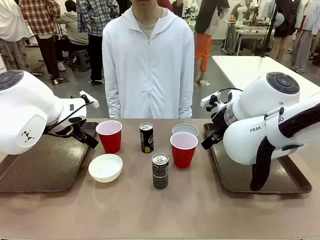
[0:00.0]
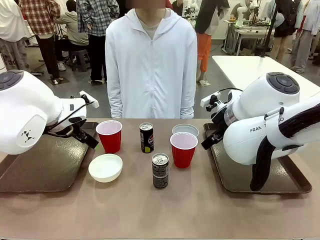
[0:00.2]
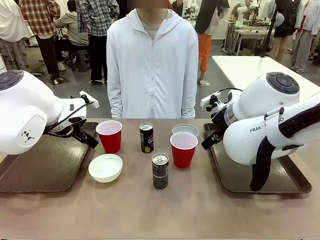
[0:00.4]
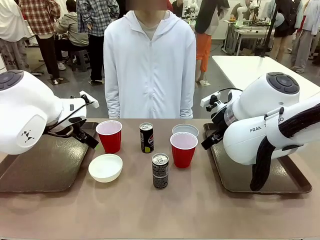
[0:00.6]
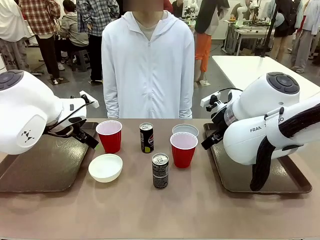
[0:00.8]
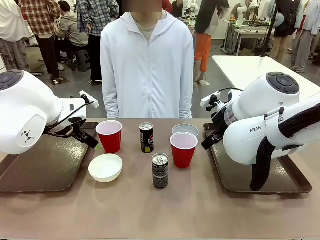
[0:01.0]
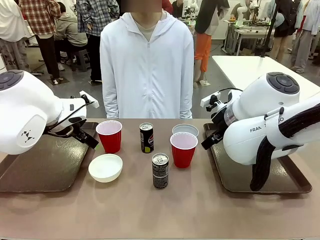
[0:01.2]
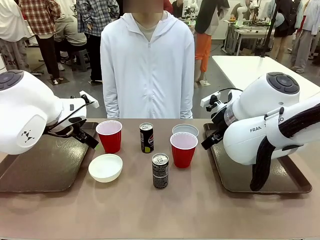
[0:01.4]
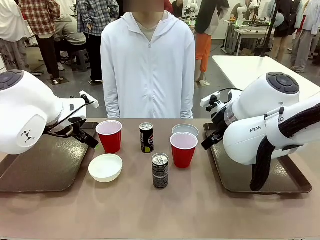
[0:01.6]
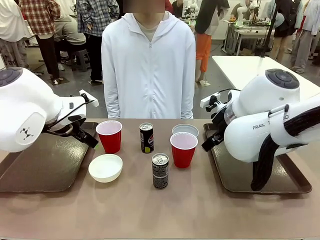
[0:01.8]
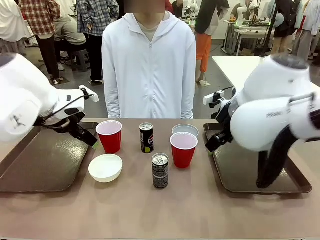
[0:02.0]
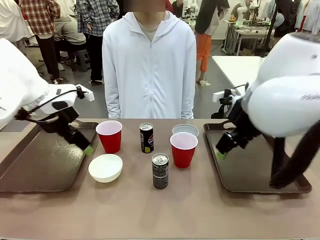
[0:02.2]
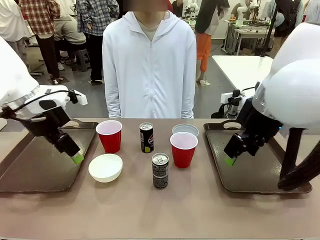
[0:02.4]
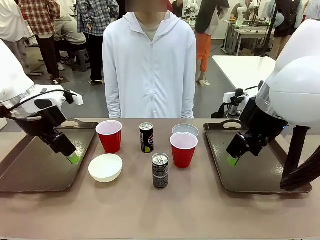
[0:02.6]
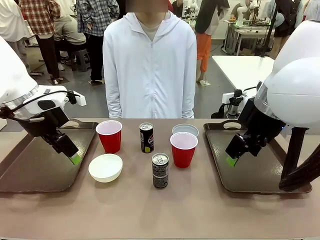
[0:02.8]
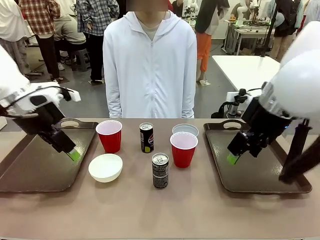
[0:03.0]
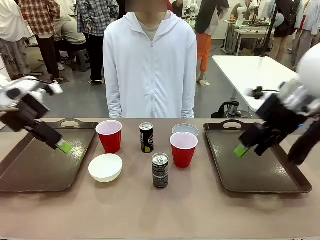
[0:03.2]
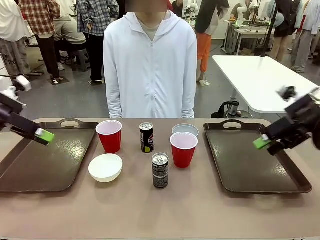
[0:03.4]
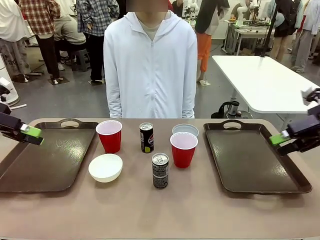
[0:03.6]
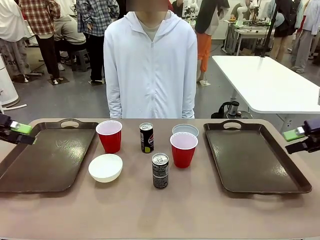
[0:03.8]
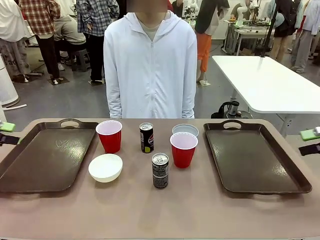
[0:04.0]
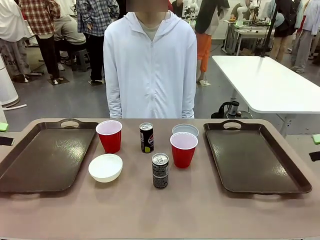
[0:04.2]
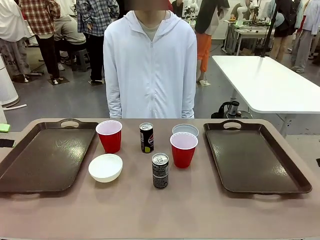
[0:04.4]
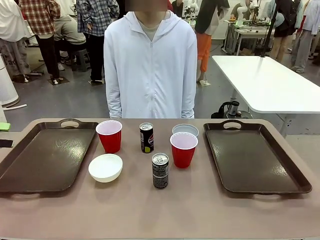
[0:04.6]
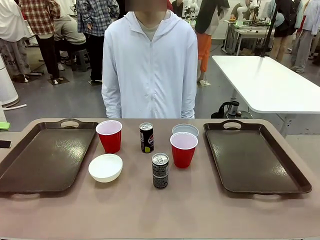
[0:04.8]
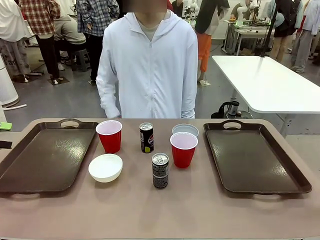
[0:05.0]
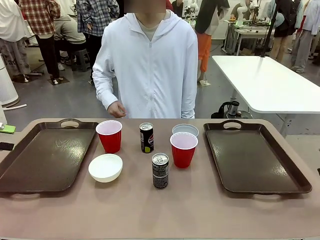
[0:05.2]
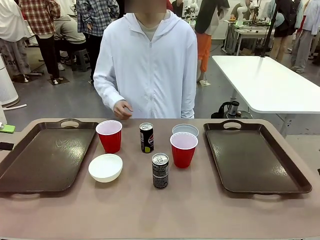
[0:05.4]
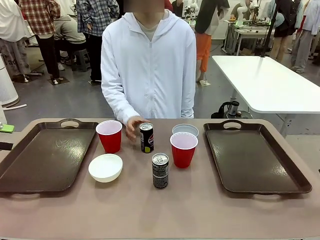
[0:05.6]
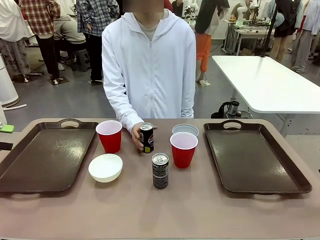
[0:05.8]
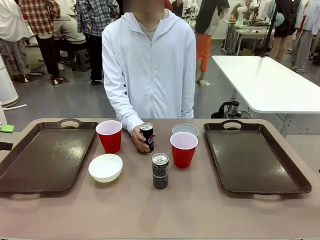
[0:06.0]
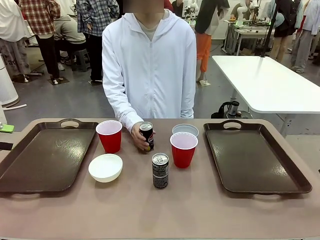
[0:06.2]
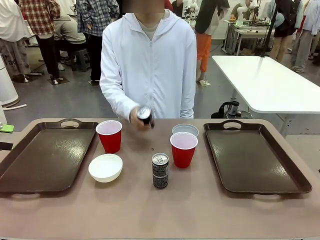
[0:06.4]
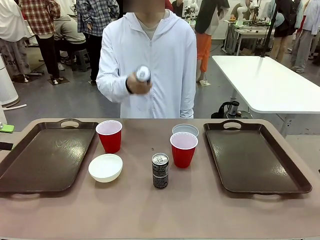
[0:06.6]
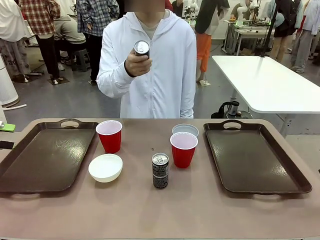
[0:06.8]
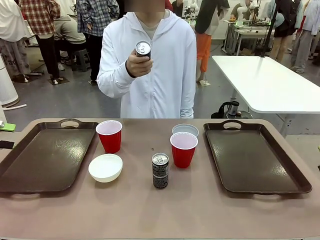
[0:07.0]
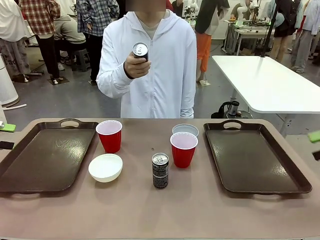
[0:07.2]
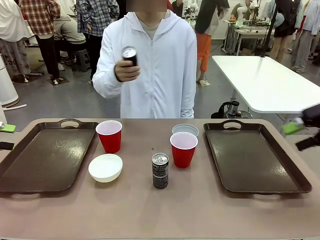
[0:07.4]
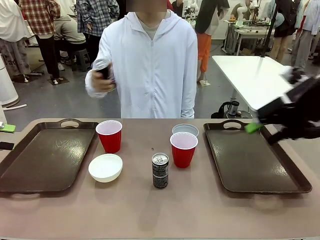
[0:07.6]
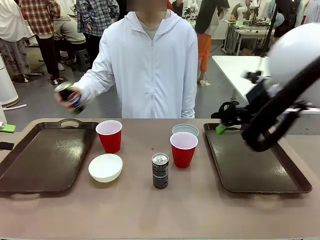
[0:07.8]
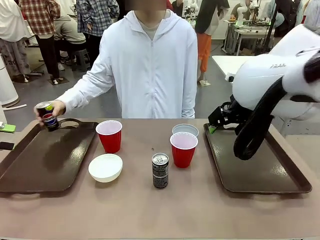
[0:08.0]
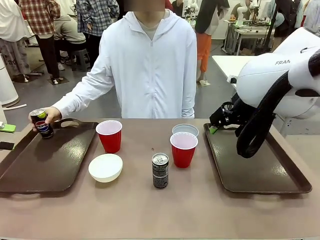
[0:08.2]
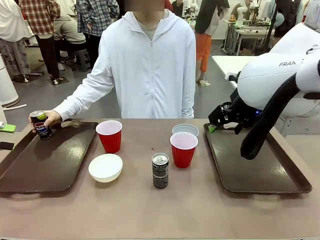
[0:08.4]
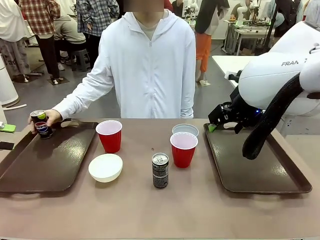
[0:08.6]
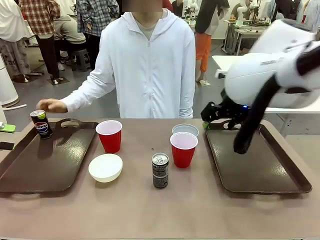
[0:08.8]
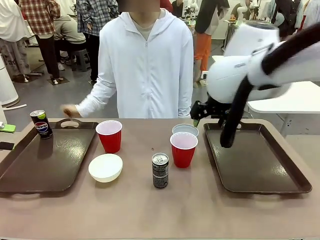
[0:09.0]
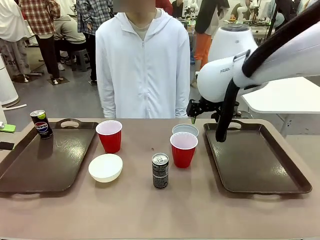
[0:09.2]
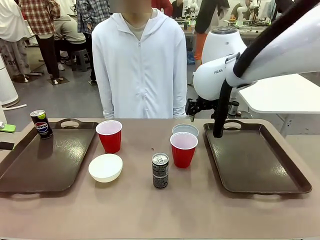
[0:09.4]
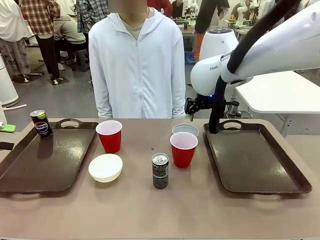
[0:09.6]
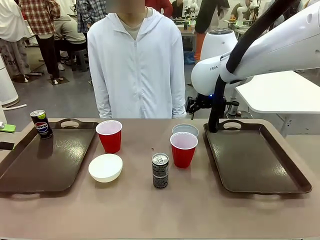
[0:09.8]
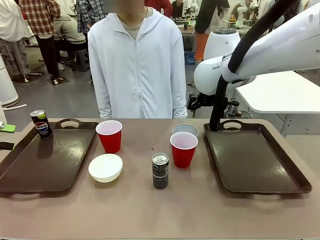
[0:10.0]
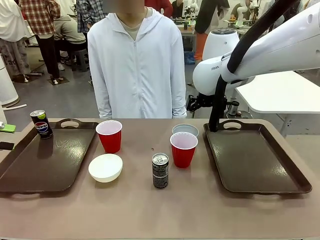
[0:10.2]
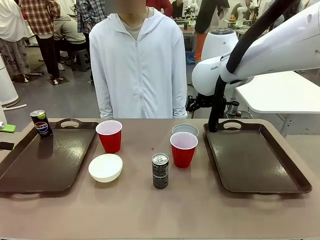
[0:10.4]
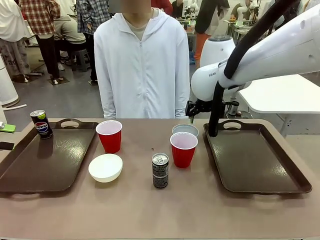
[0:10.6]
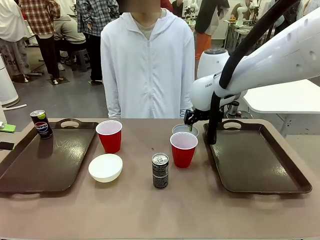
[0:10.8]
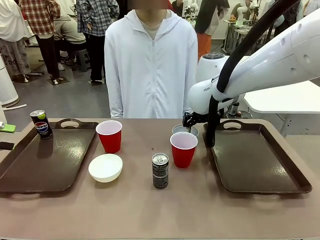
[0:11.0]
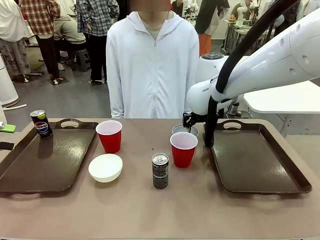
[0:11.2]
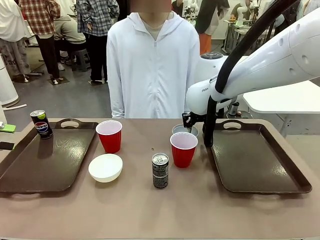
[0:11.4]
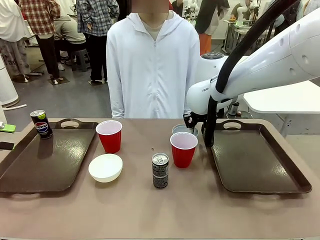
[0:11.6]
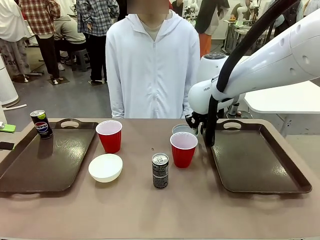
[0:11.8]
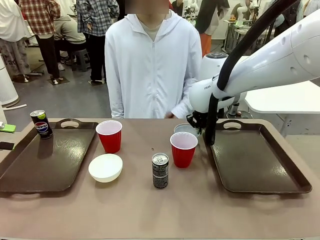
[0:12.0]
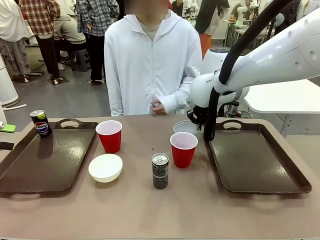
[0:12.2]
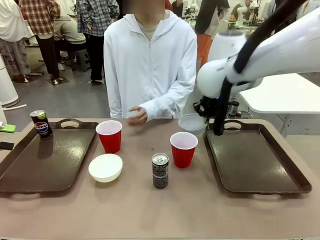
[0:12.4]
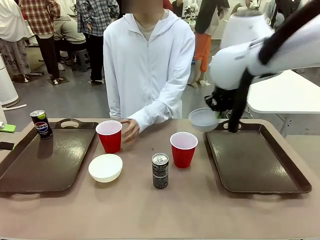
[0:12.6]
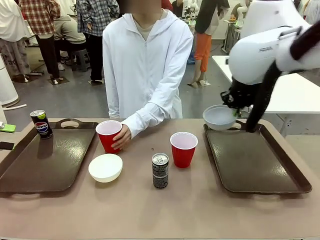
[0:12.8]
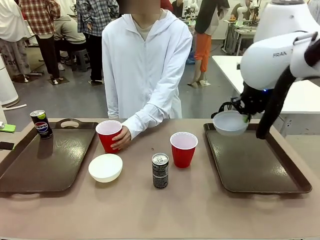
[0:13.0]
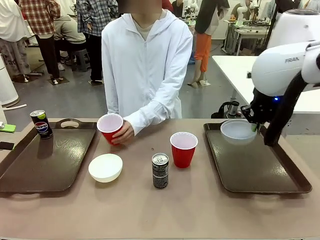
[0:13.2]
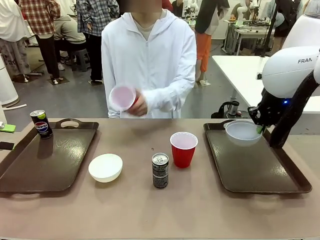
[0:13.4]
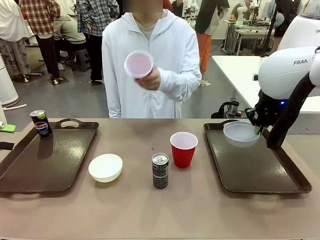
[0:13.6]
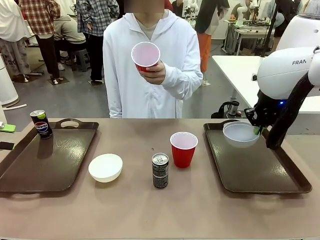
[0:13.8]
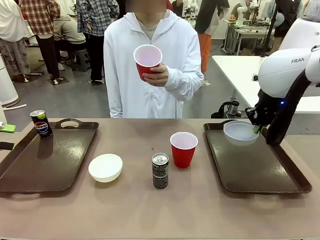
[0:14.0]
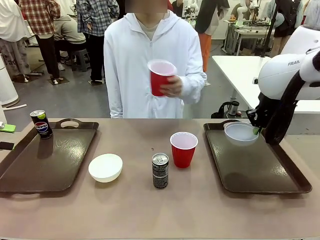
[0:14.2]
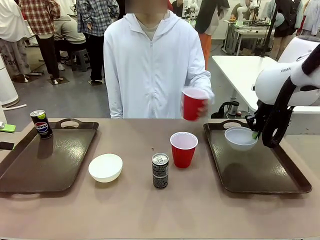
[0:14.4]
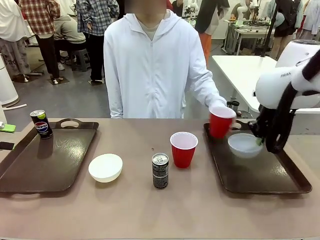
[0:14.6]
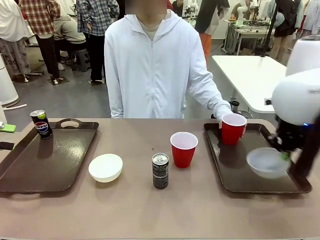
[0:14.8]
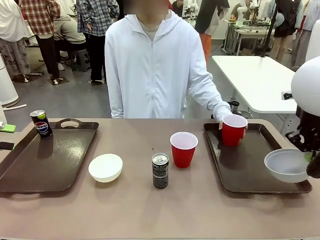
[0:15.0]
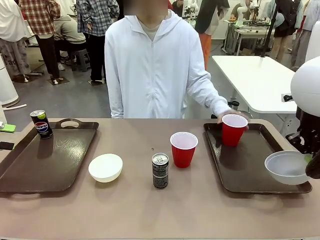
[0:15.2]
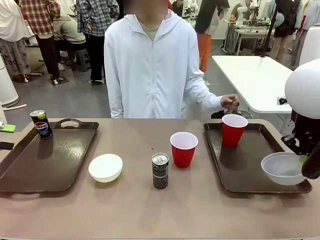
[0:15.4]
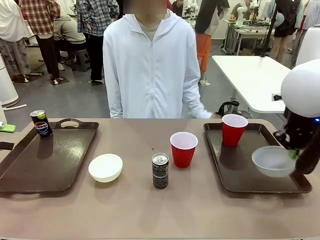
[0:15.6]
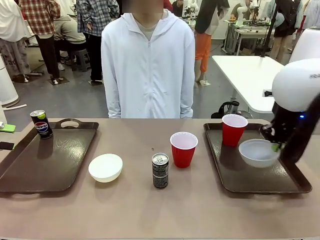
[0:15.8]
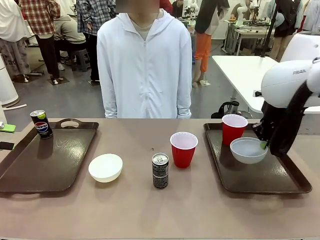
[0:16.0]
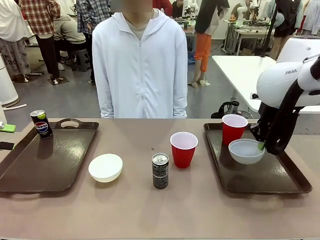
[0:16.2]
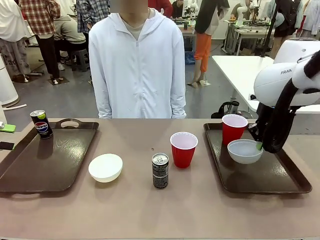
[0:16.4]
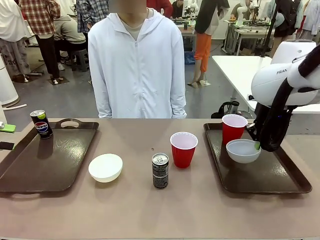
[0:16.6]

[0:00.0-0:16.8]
Task: Prepare tableware on both trays.
Robot: Pick up a Picnic Bowl from the table and place it on a Handle tray.
Person: Pick up a can or cup and place it on the tray.
